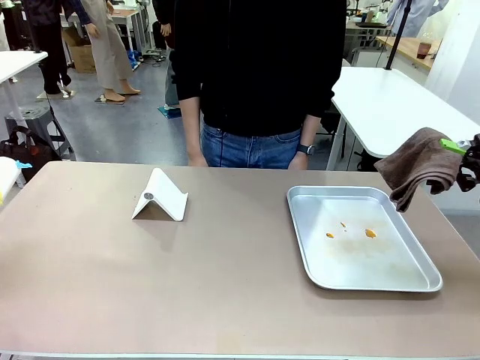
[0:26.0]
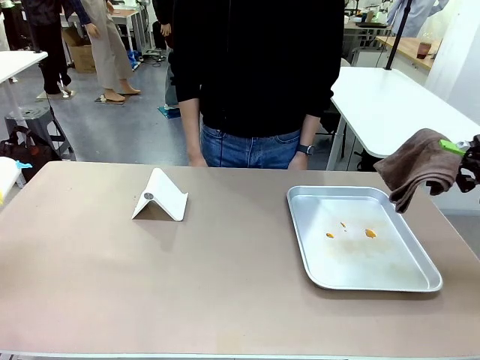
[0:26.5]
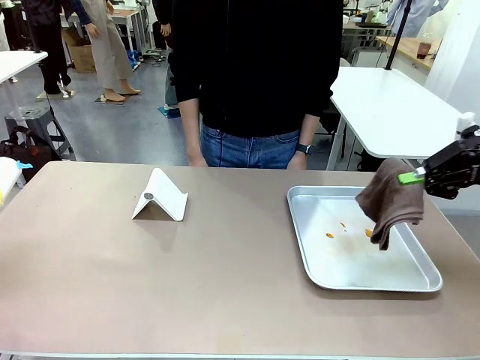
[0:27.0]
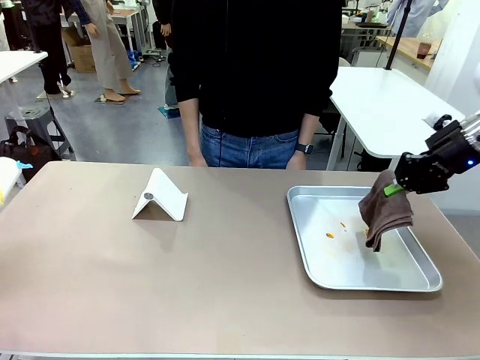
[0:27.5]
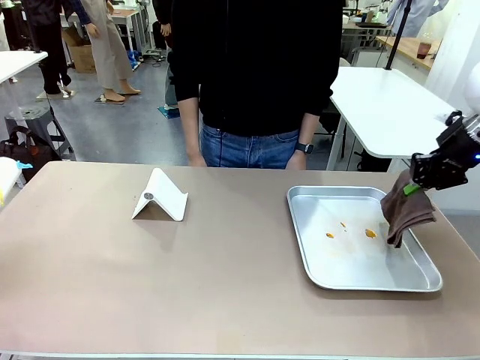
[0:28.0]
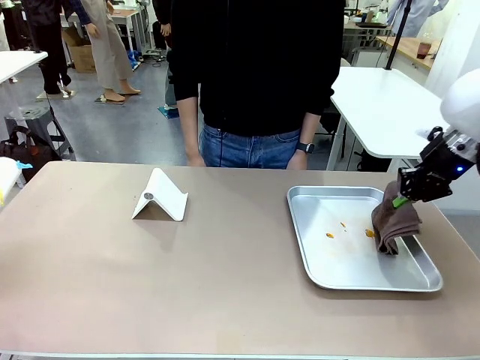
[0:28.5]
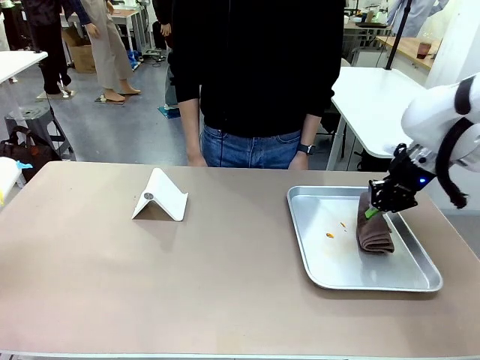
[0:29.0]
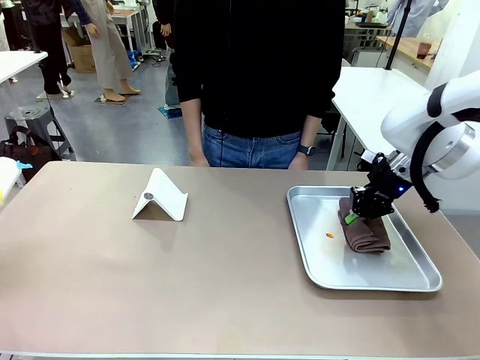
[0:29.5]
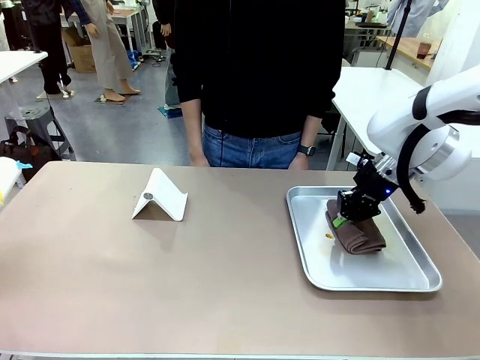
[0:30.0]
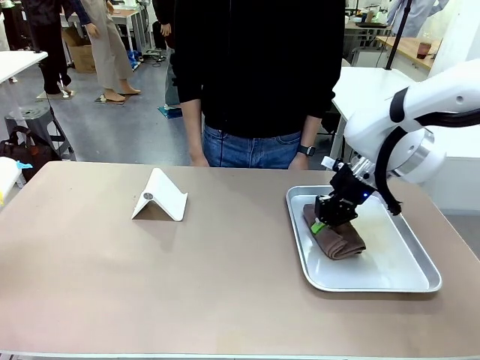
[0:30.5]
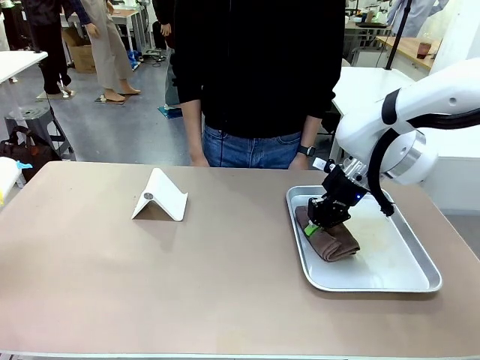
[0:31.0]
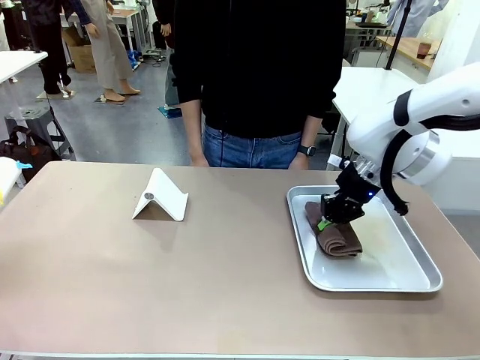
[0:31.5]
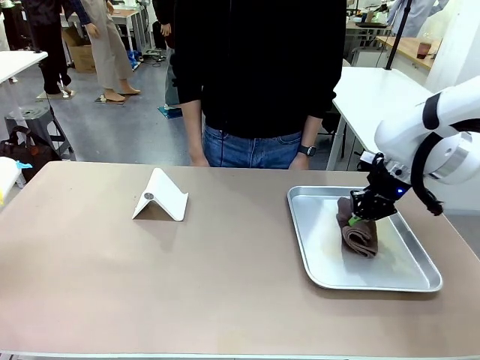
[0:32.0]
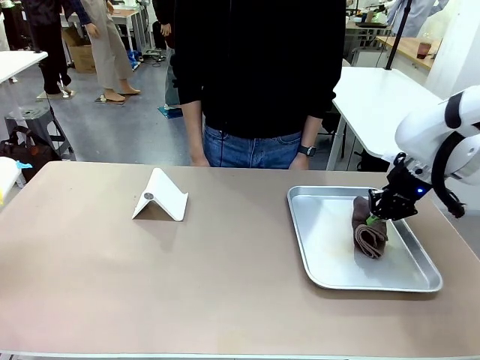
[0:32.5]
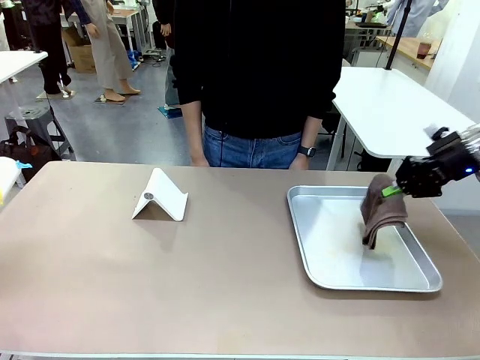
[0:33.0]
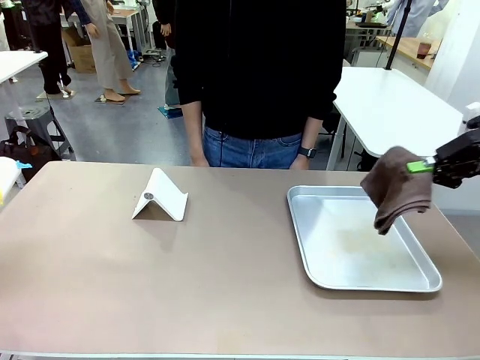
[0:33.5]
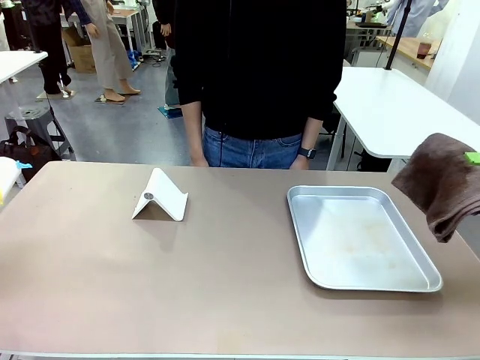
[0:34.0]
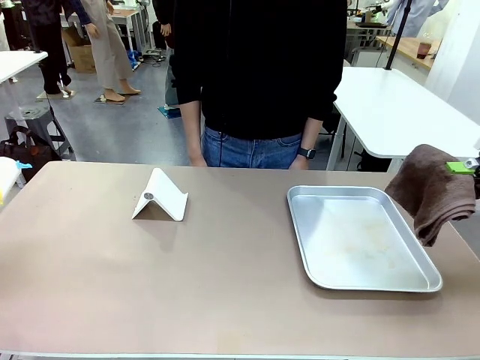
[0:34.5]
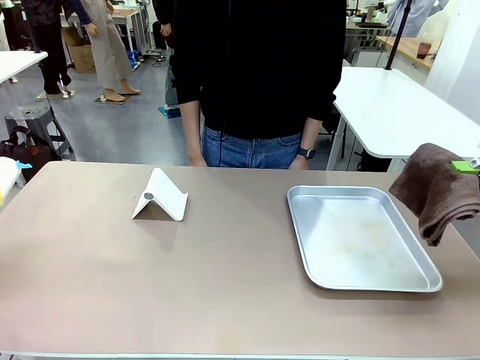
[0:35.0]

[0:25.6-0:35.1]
Task: Clean the surface of the table.
Robot: Clean the area not pointed to by the person.

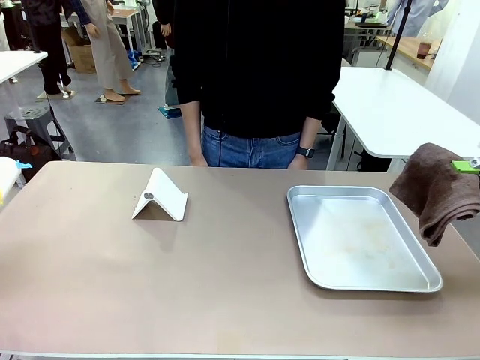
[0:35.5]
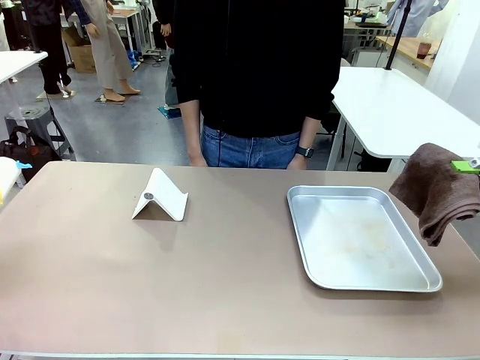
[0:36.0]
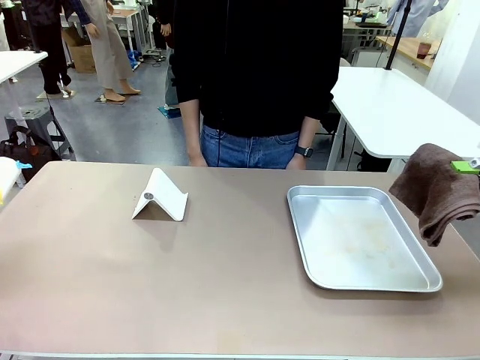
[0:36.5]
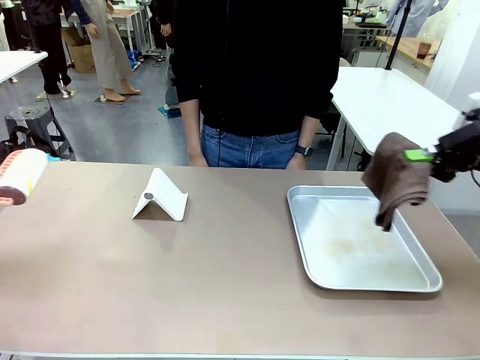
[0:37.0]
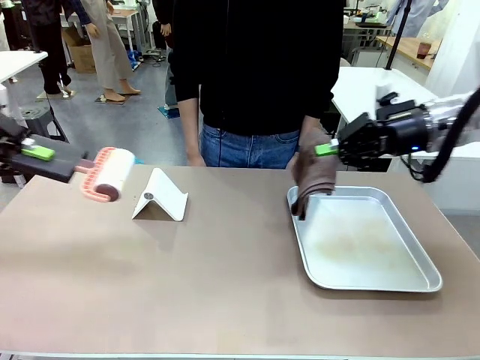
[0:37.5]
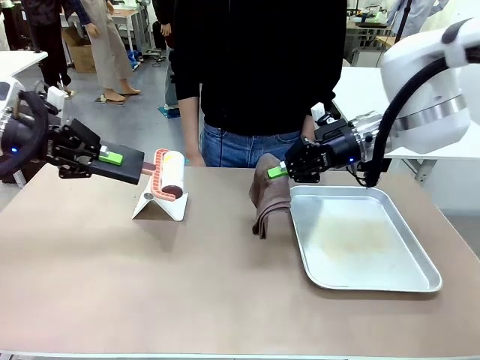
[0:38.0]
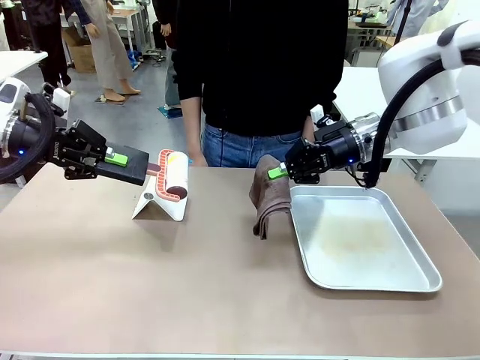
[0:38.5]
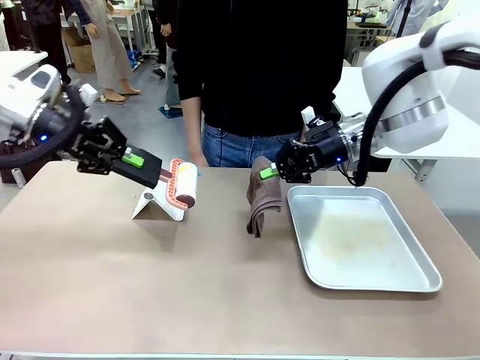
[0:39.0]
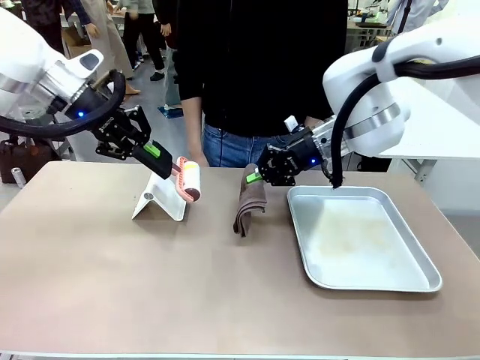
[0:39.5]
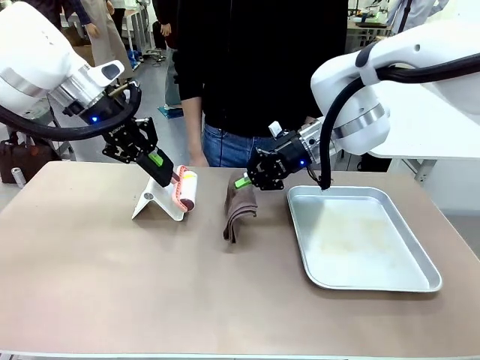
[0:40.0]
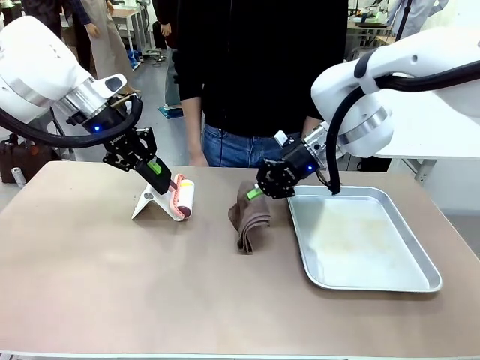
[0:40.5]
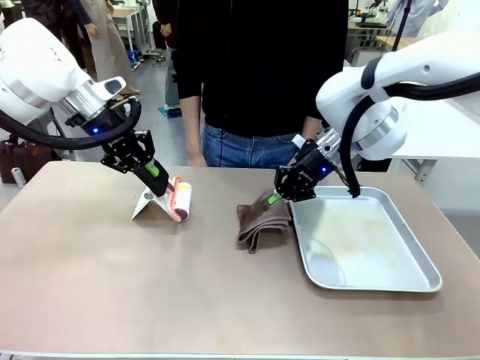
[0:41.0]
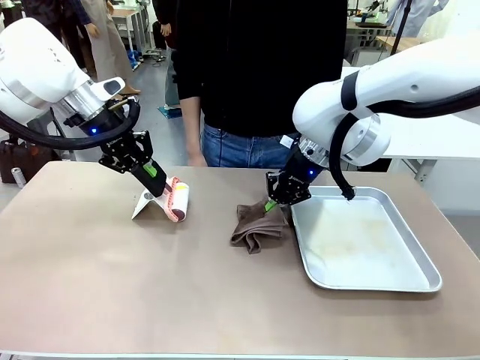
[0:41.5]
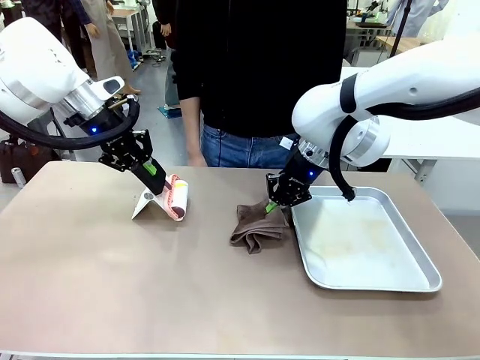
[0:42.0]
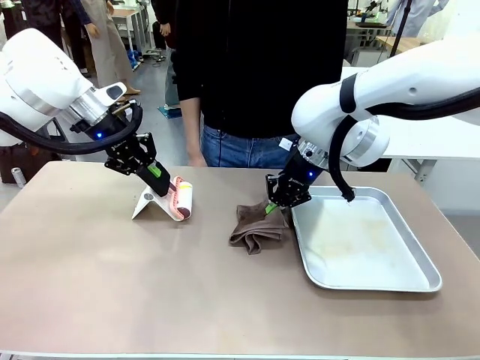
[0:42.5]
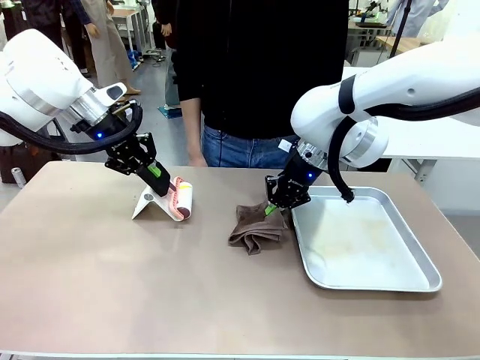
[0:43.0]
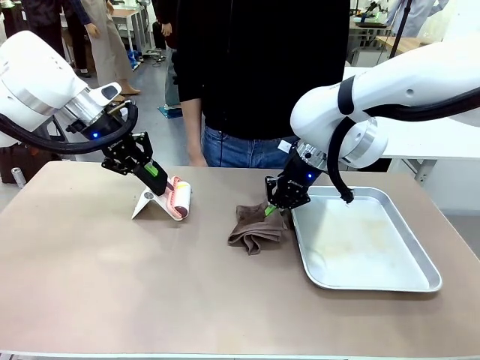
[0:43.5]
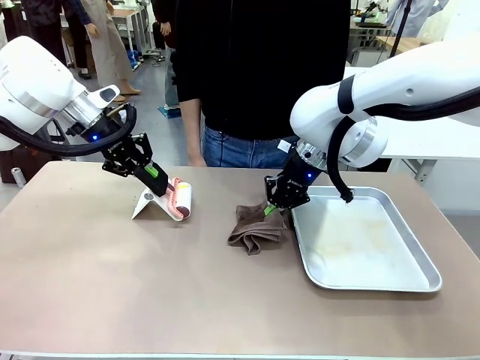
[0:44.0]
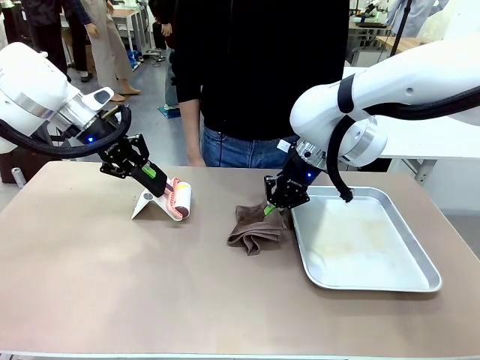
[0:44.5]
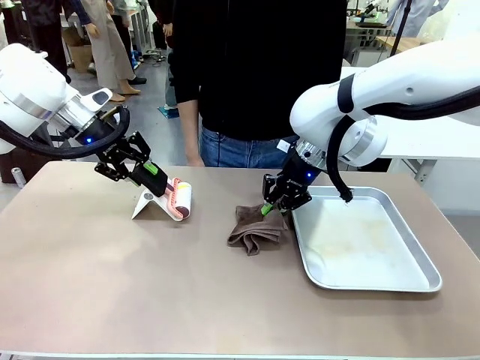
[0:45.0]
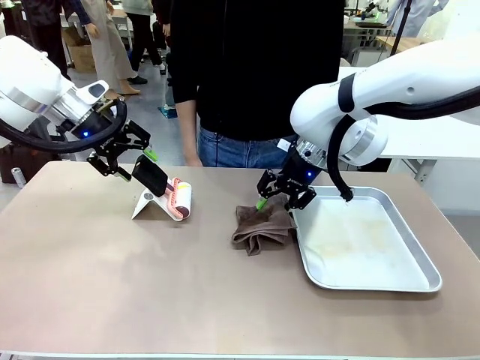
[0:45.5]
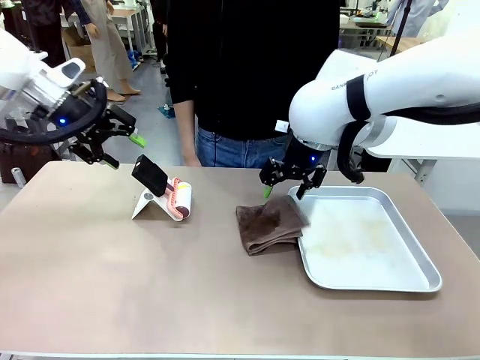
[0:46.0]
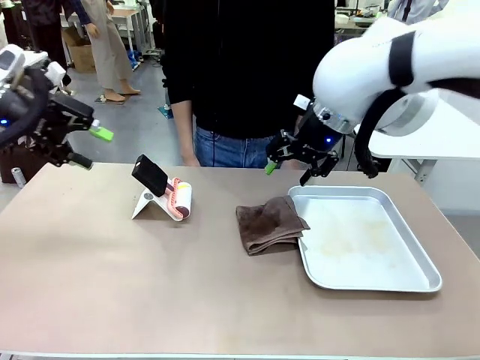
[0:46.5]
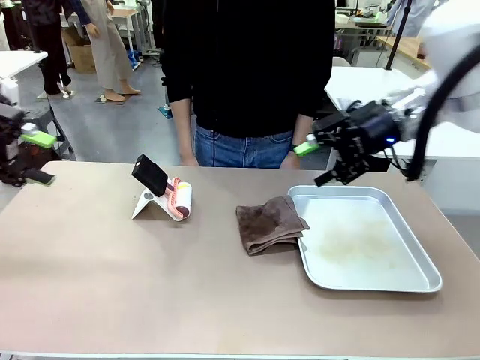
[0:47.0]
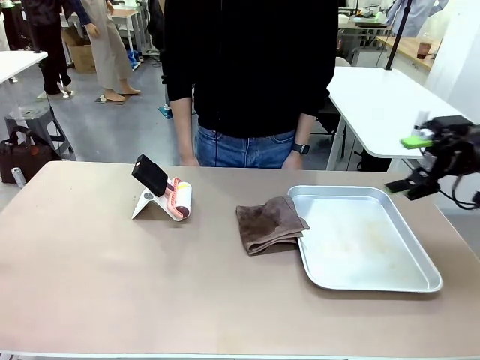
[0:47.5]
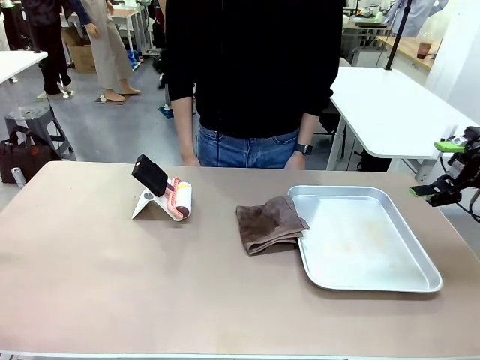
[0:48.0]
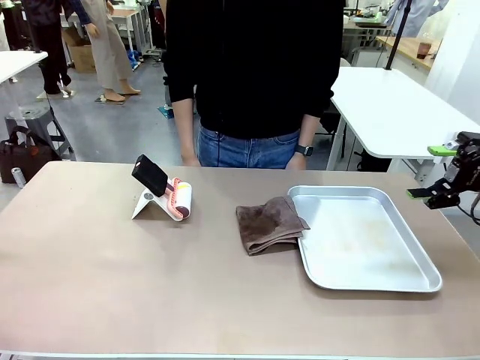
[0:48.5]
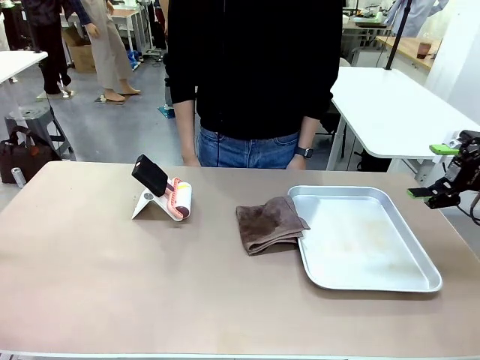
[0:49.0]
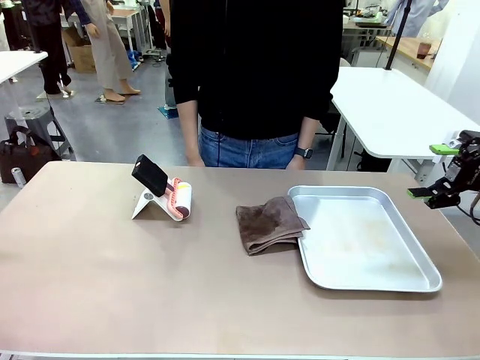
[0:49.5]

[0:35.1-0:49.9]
Robot: Return the Lint Roller and towel to their original positions.
